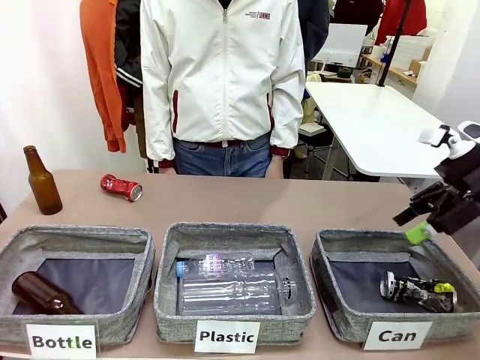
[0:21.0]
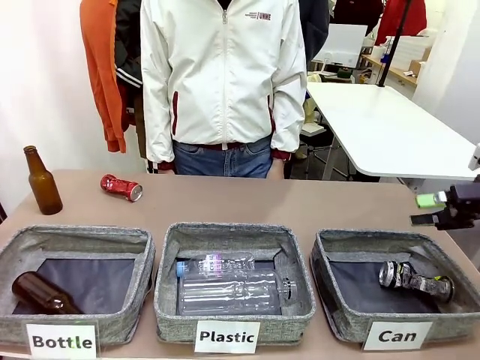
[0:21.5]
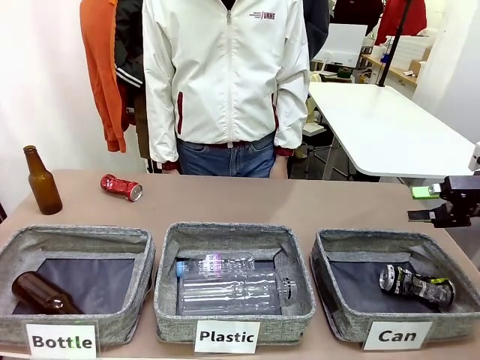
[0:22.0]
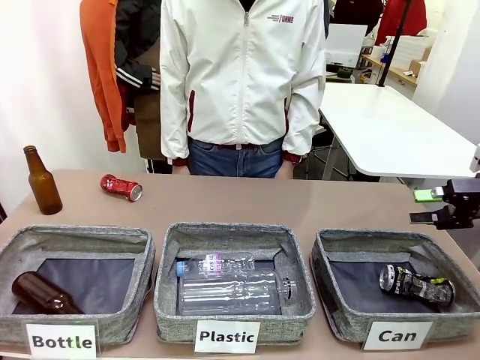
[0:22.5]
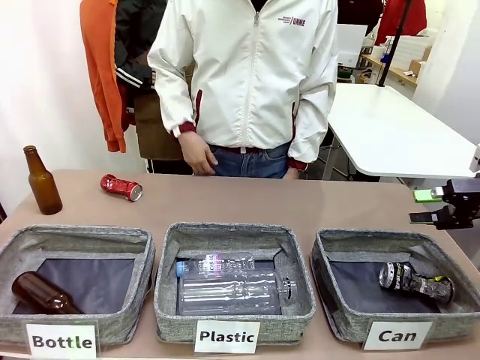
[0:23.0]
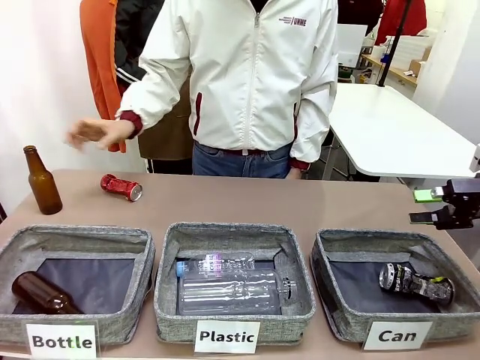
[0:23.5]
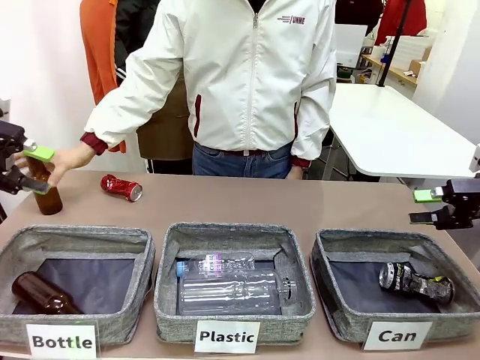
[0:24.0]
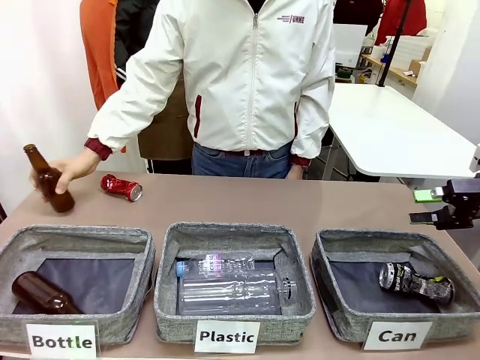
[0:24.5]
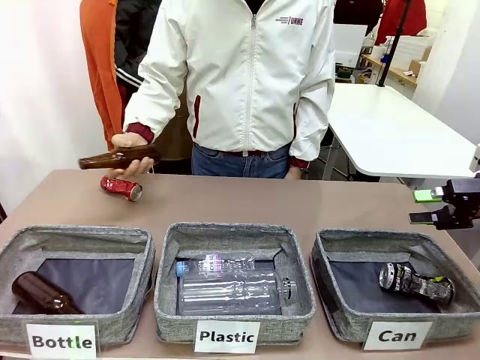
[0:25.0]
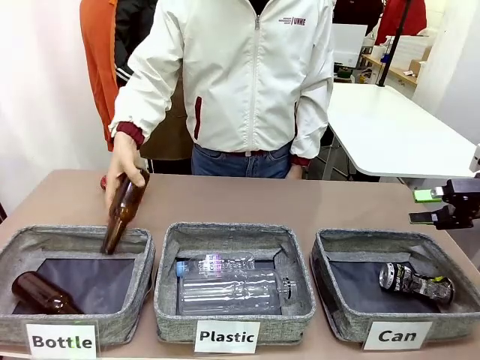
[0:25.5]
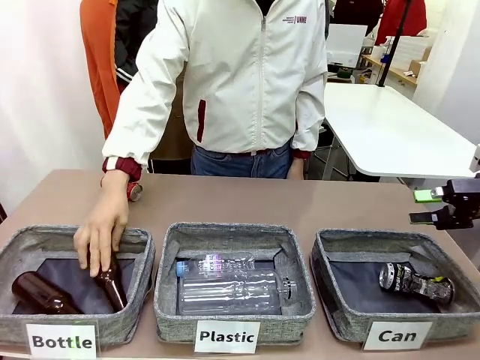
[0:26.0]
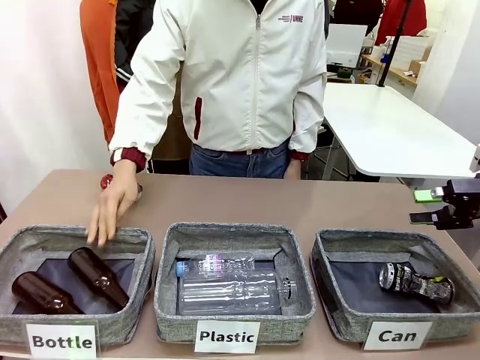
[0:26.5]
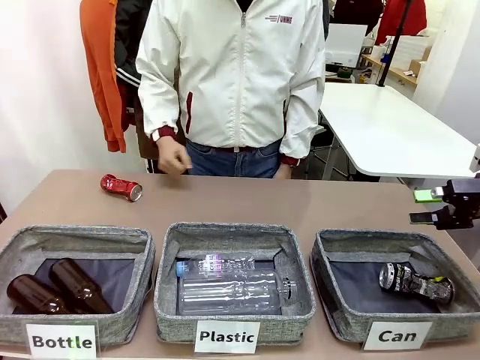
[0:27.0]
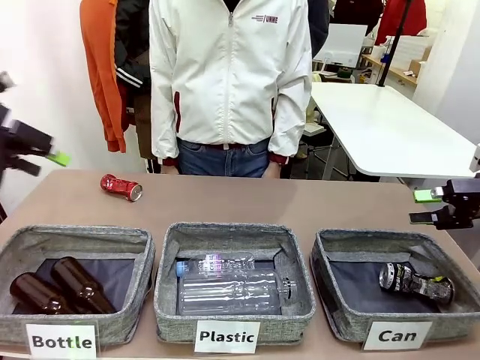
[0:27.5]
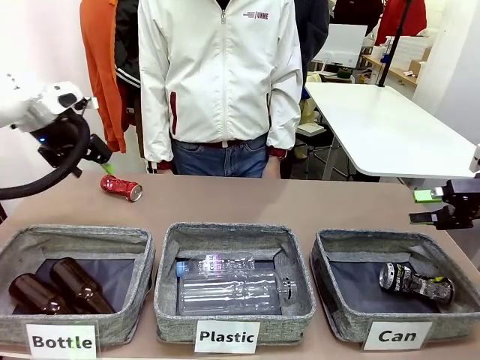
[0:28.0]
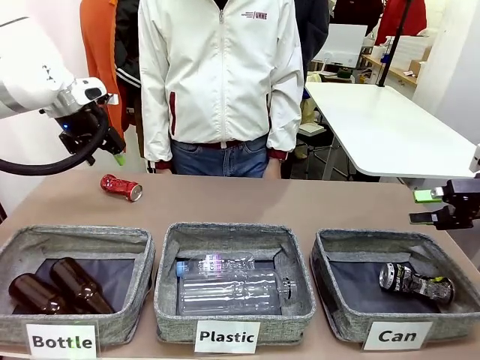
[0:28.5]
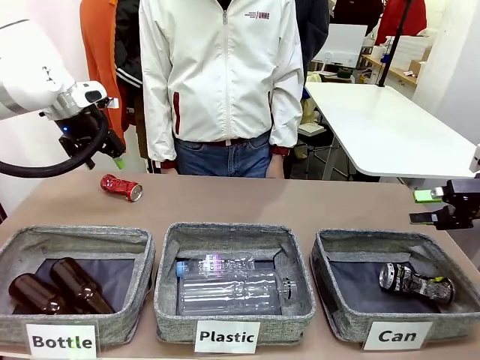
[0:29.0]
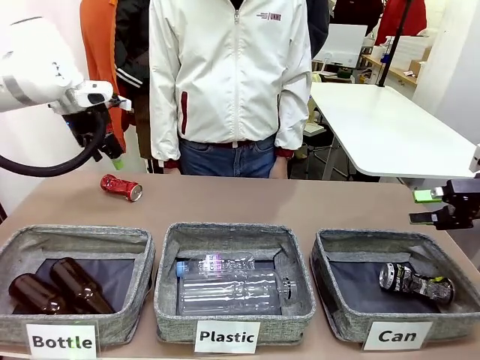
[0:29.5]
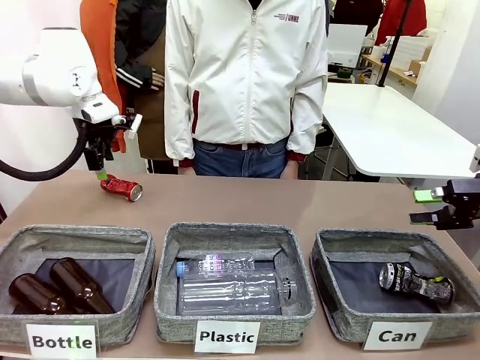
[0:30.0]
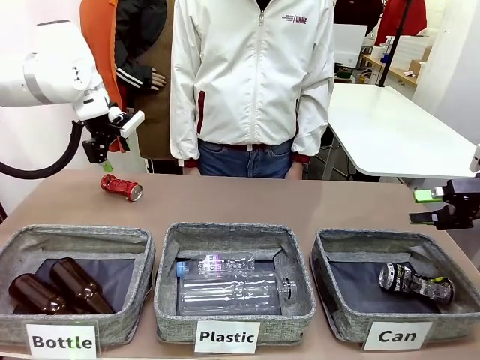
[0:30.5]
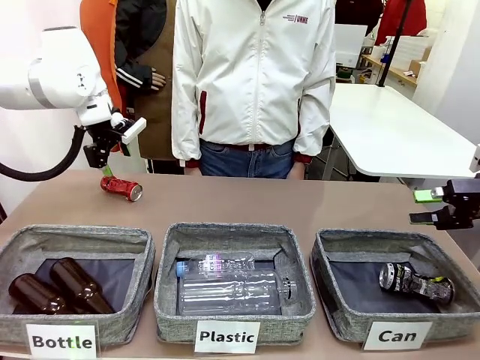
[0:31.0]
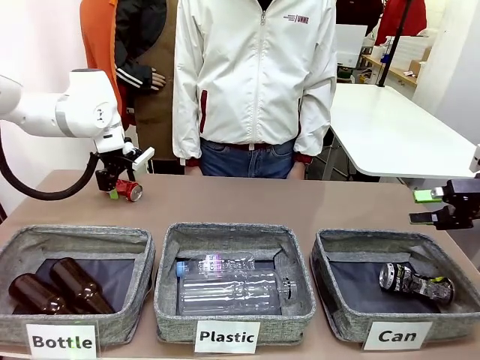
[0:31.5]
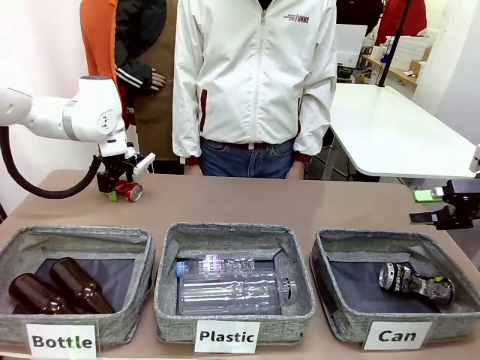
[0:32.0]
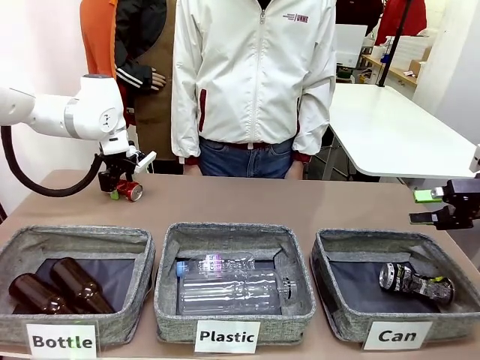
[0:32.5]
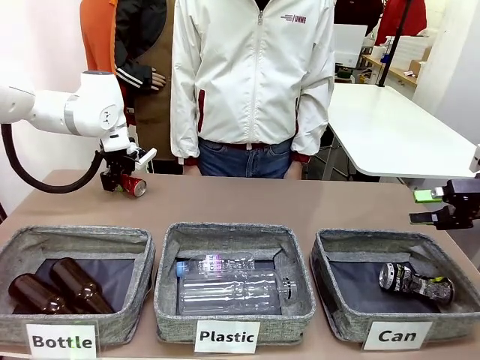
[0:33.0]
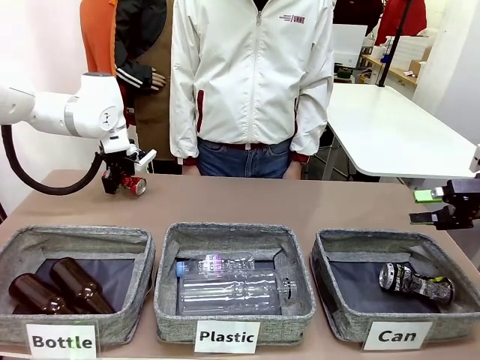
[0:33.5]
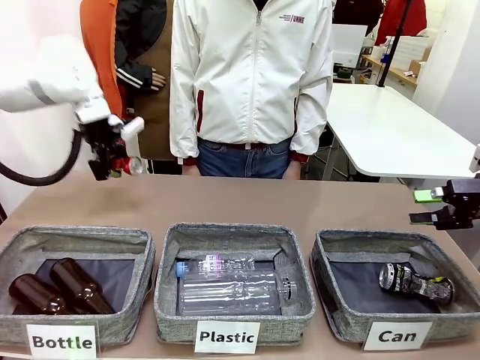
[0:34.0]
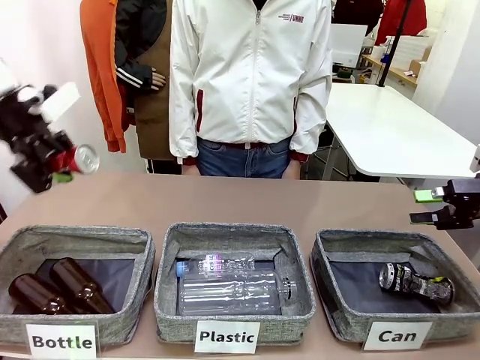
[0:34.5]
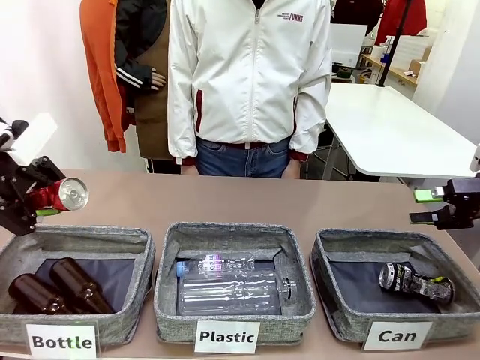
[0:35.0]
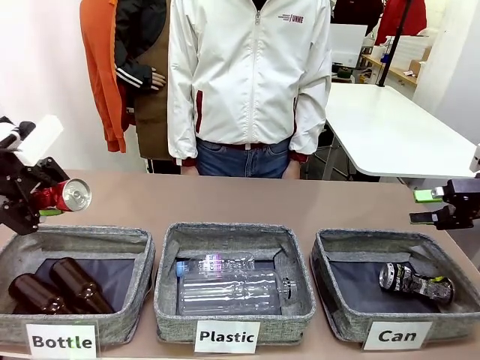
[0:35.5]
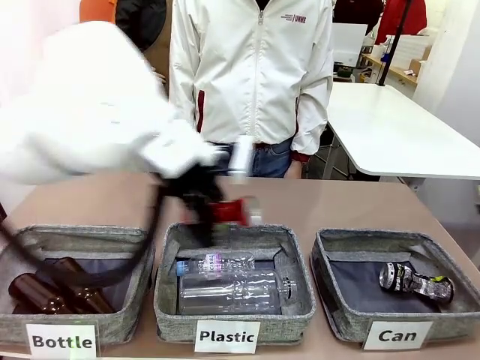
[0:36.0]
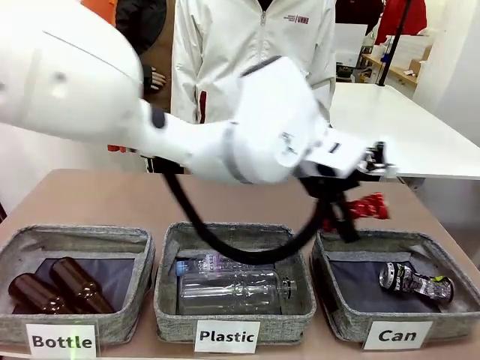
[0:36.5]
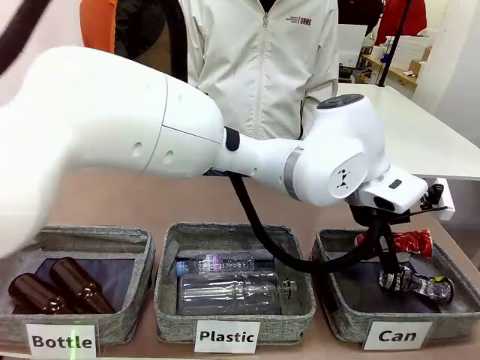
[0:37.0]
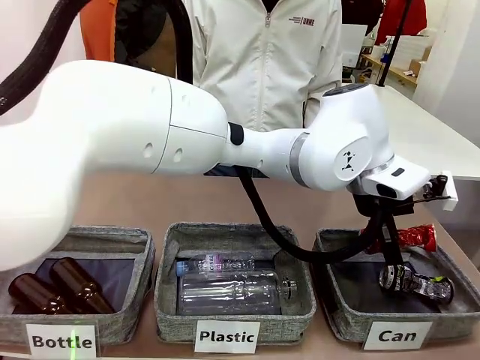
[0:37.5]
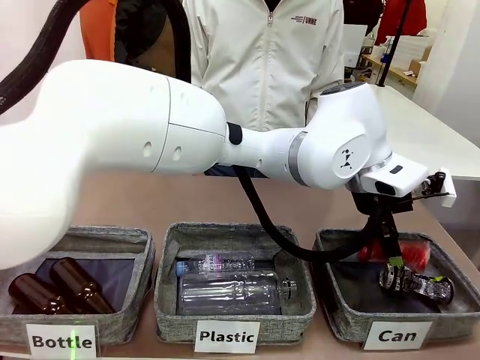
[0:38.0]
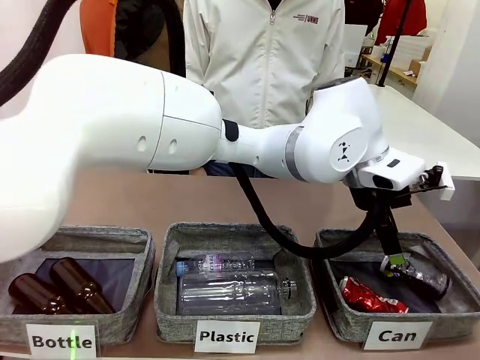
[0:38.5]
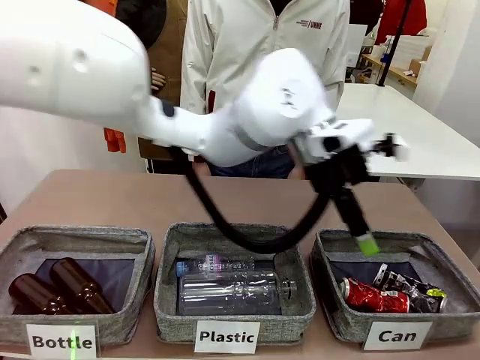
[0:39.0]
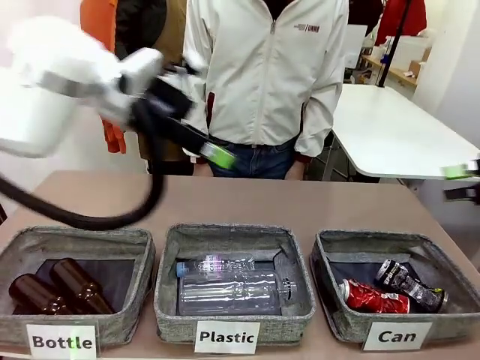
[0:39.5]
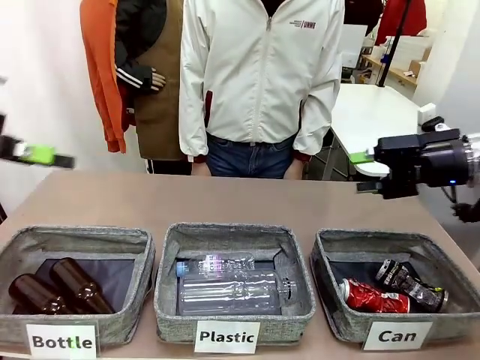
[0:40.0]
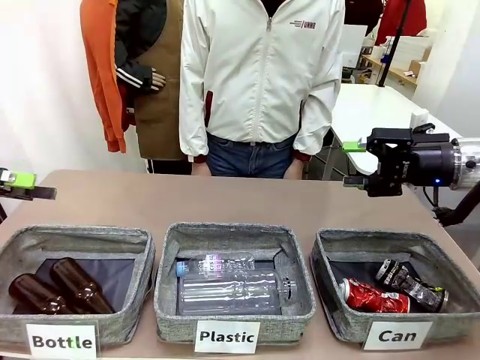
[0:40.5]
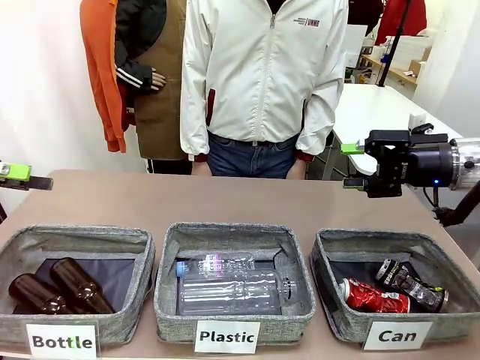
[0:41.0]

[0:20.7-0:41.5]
Task: Sort the can waste into the basket.
Robot: Pick up the can waste from the table and place it in the right Fabric basket.
Person: The human picks up one piece of trash that is not a can and places the trash into the appropriate organizing basket.

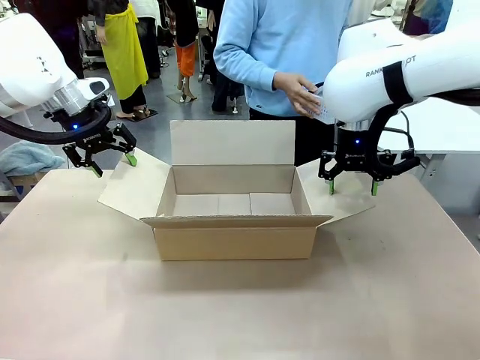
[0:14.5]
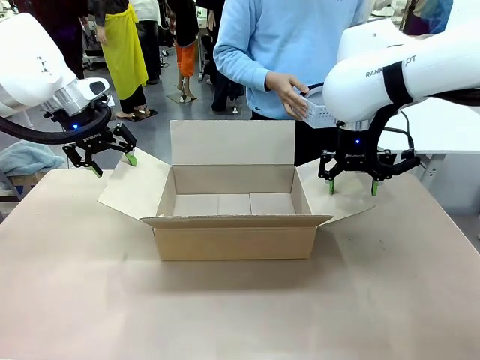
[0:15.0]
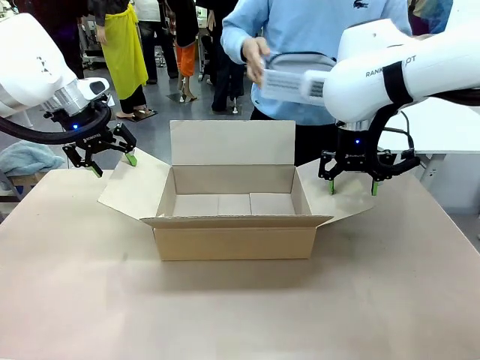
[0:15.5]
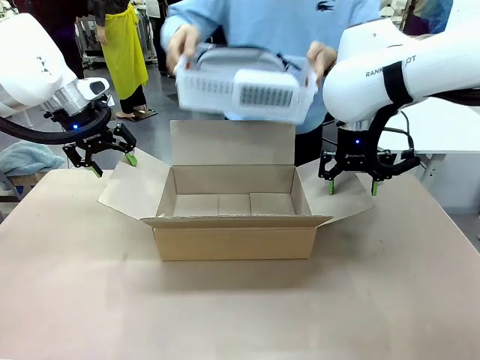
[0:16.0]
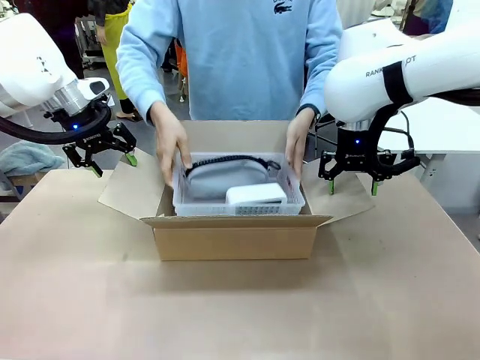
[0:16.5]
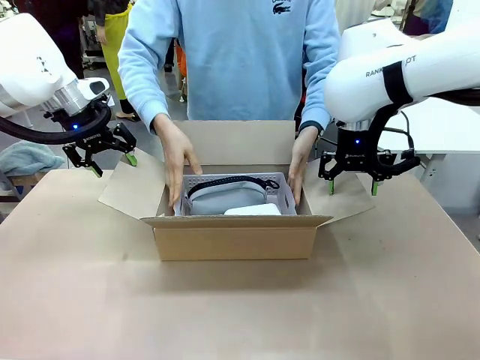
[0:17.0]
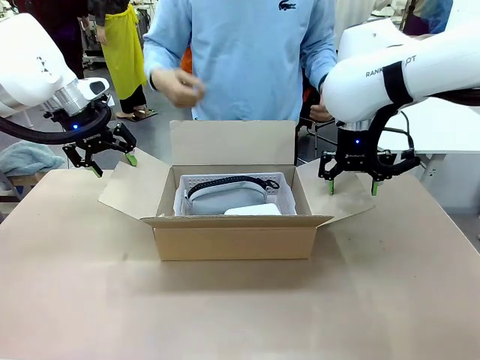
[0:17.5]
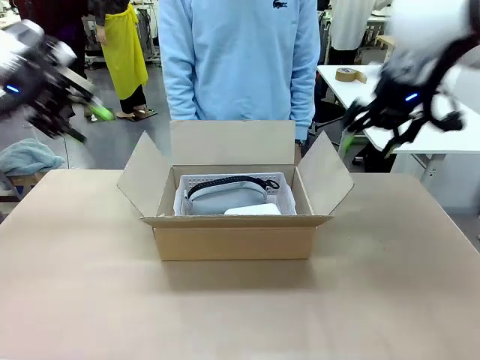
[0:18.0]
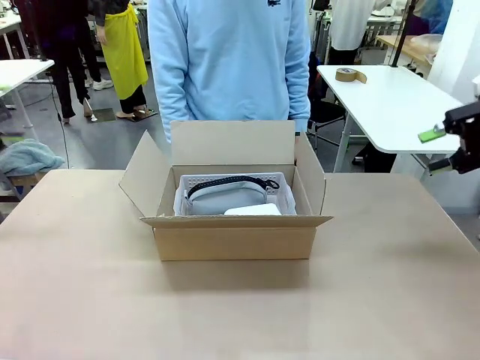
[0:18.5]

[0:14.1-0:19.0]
Task: Pack the gift set into the box.
Robot: Lift both hands away from the flaps of the Package Box.
Person: The human picks up the organizing basket and places the organizing basket into the package box on the robot table.
